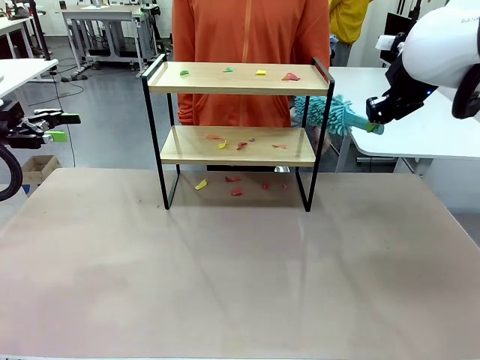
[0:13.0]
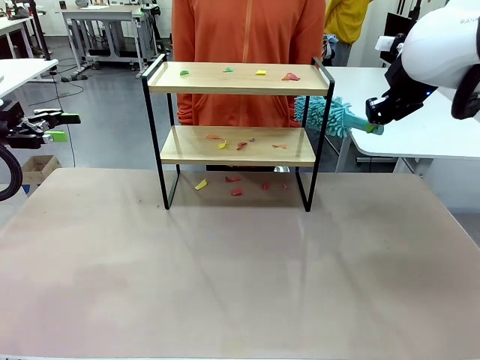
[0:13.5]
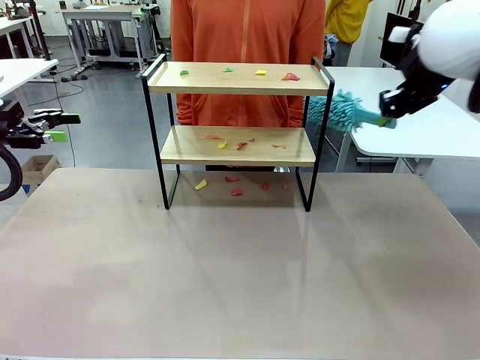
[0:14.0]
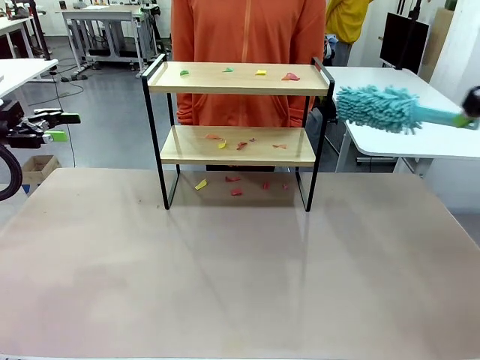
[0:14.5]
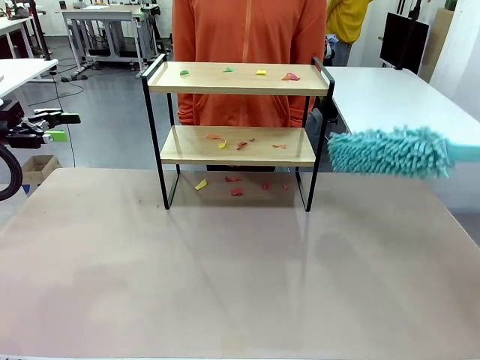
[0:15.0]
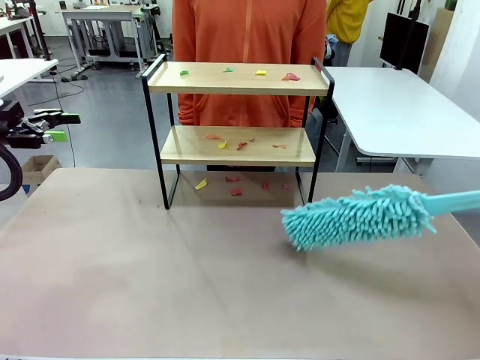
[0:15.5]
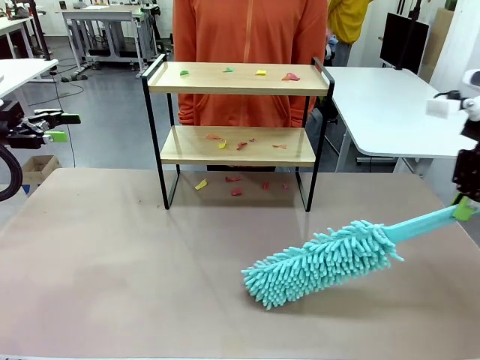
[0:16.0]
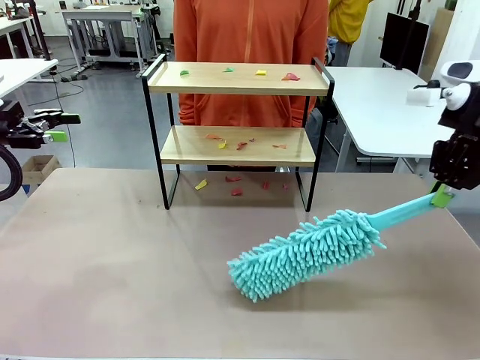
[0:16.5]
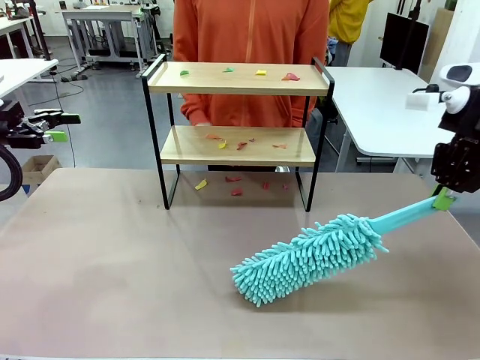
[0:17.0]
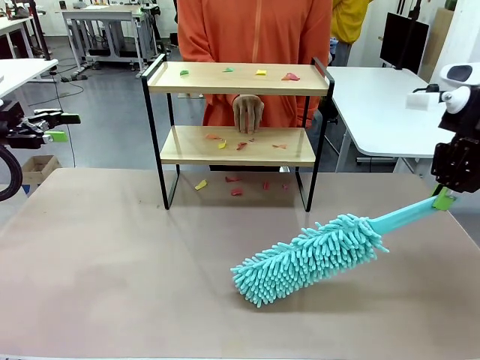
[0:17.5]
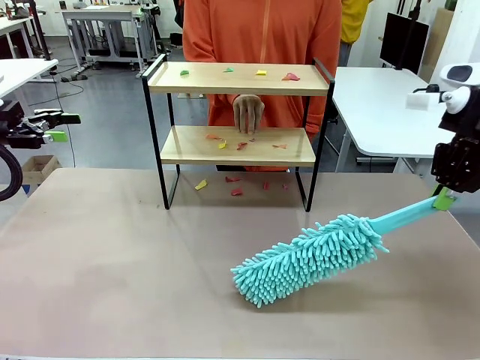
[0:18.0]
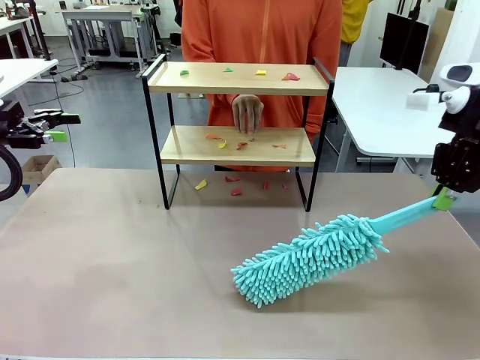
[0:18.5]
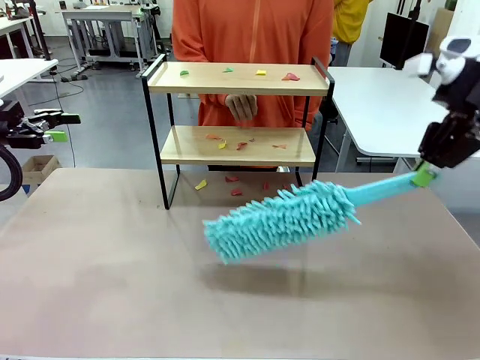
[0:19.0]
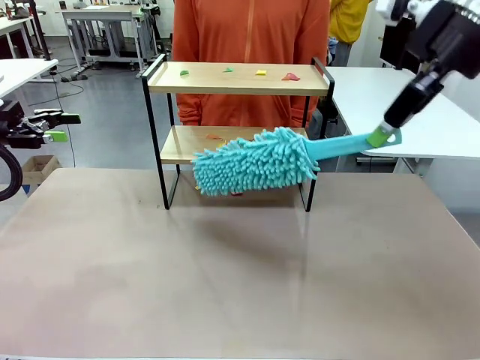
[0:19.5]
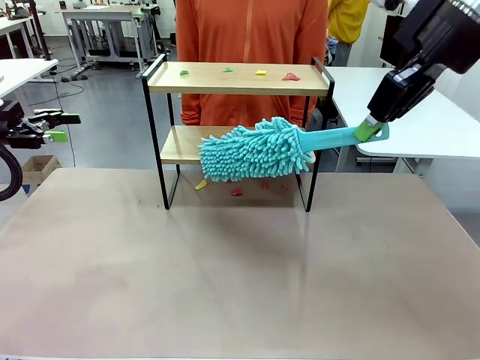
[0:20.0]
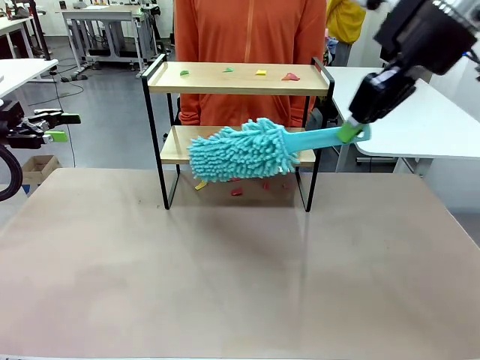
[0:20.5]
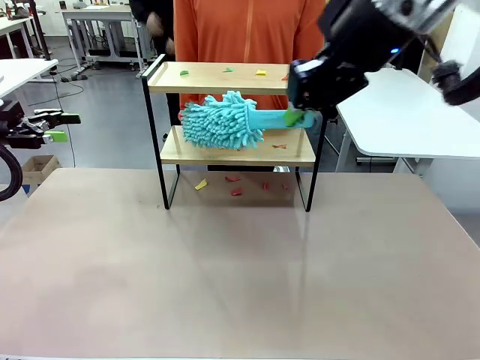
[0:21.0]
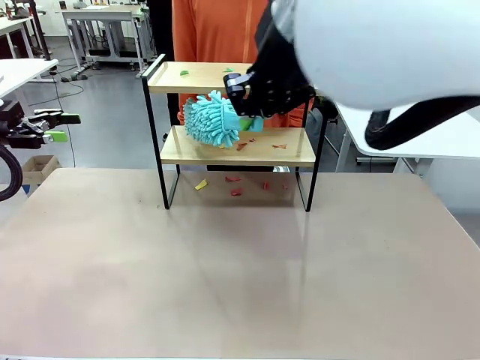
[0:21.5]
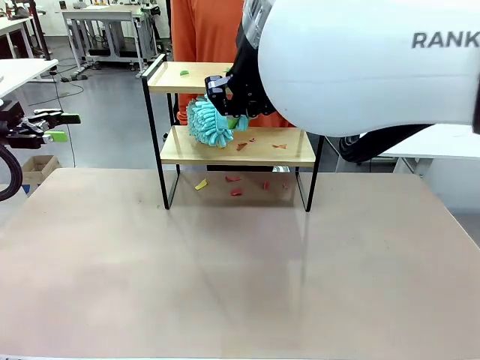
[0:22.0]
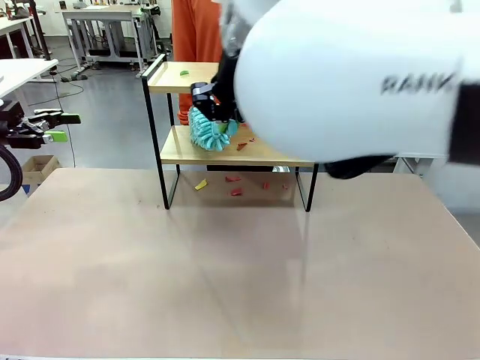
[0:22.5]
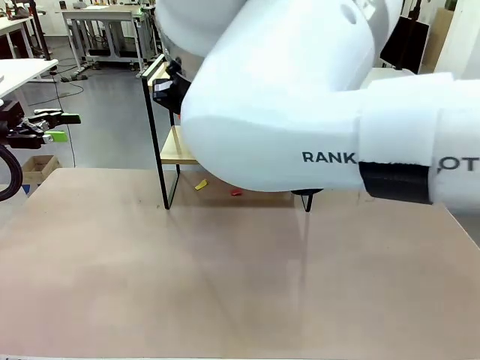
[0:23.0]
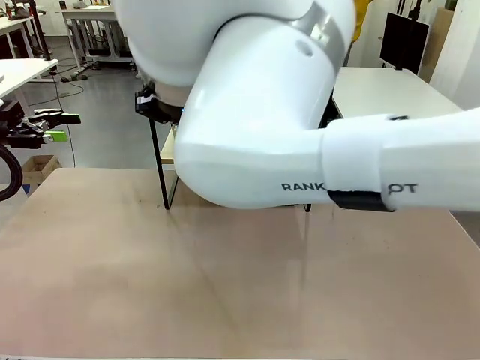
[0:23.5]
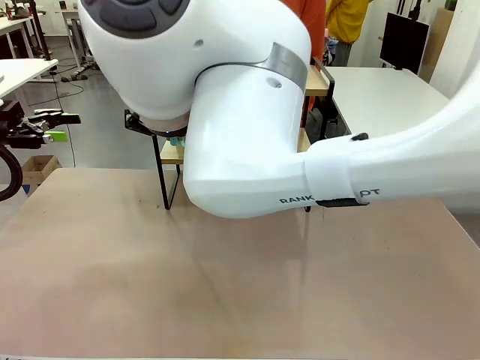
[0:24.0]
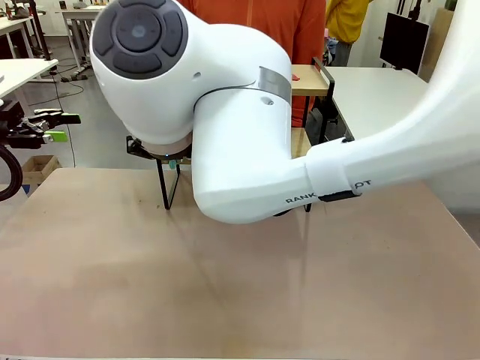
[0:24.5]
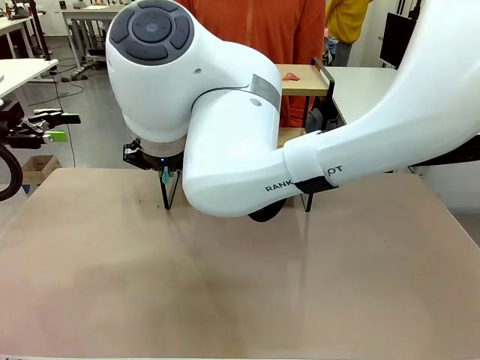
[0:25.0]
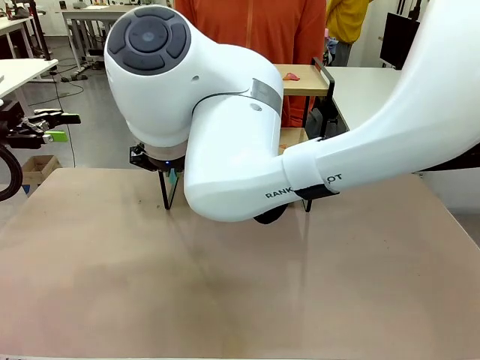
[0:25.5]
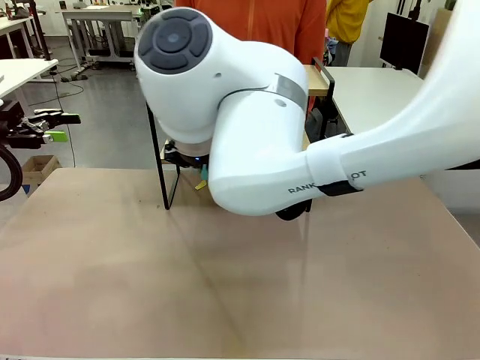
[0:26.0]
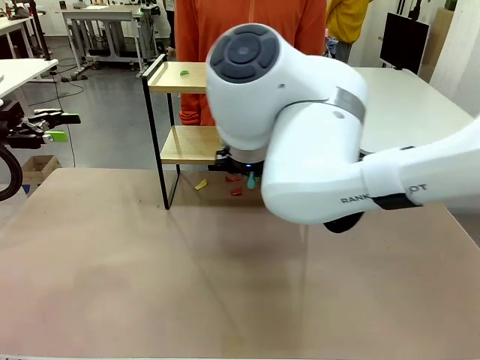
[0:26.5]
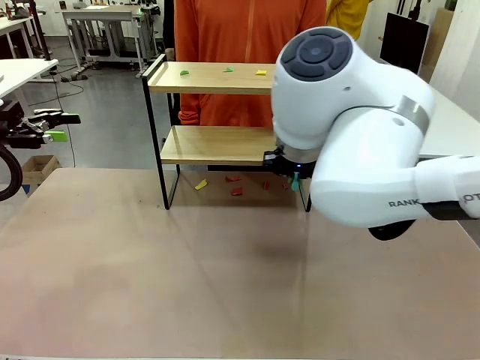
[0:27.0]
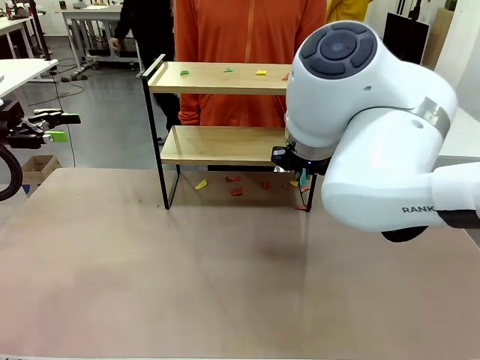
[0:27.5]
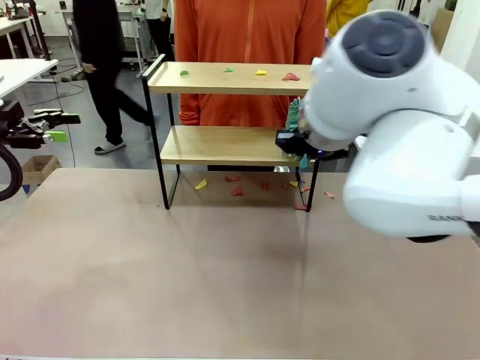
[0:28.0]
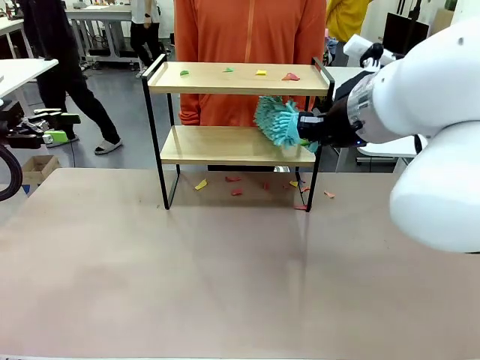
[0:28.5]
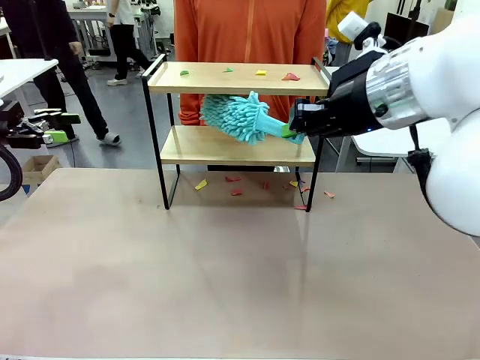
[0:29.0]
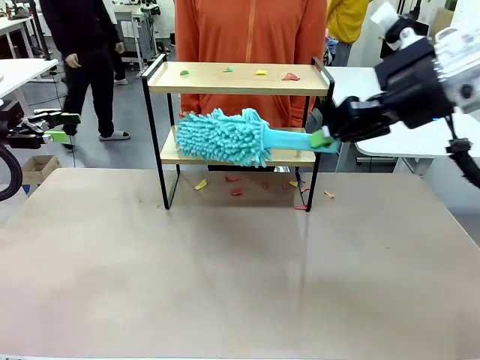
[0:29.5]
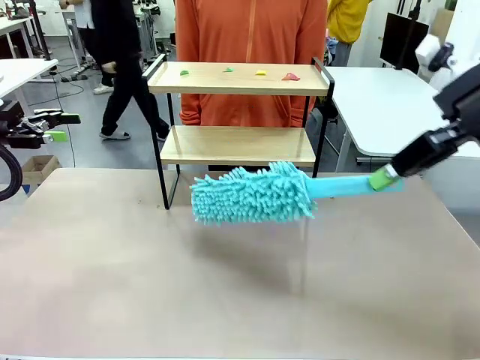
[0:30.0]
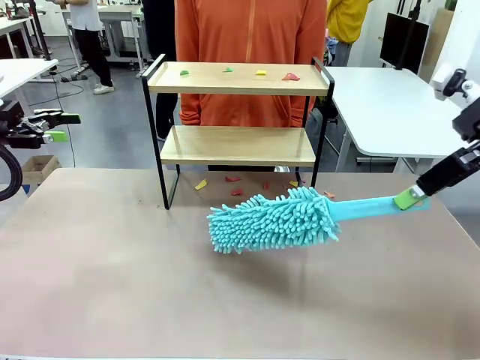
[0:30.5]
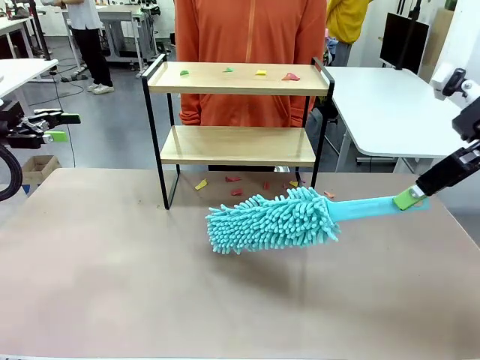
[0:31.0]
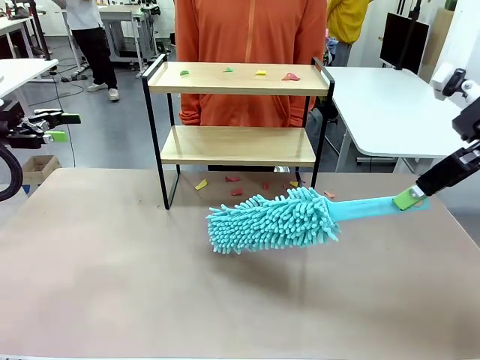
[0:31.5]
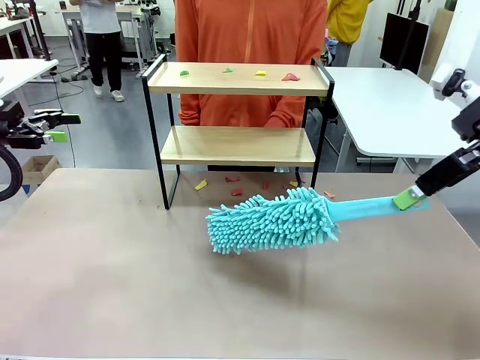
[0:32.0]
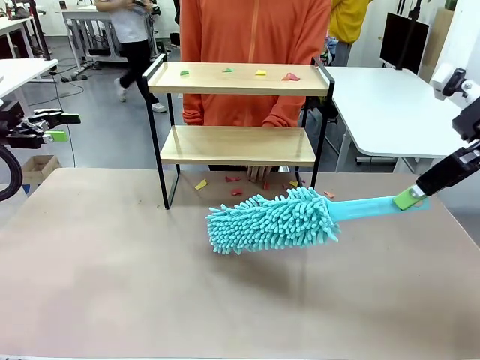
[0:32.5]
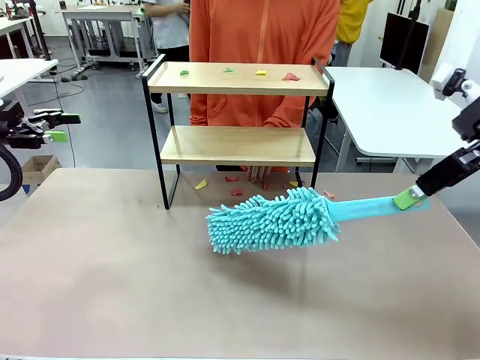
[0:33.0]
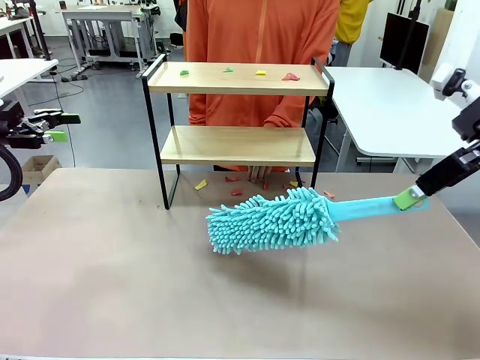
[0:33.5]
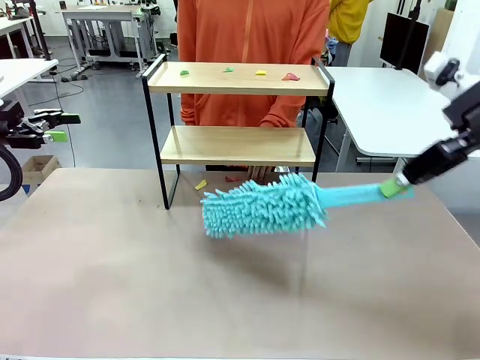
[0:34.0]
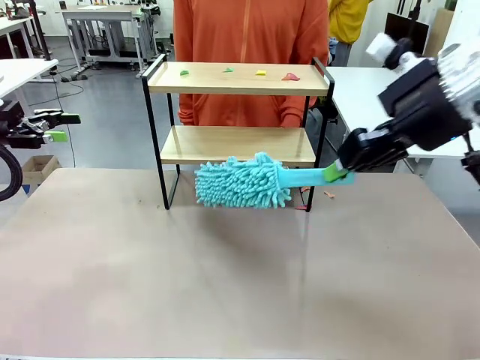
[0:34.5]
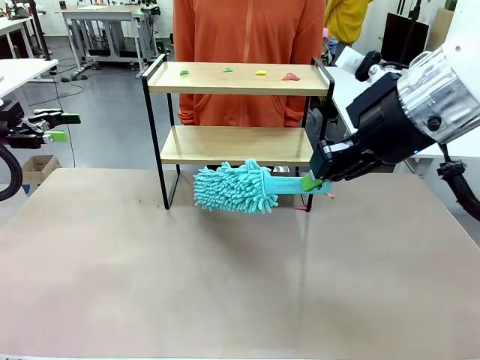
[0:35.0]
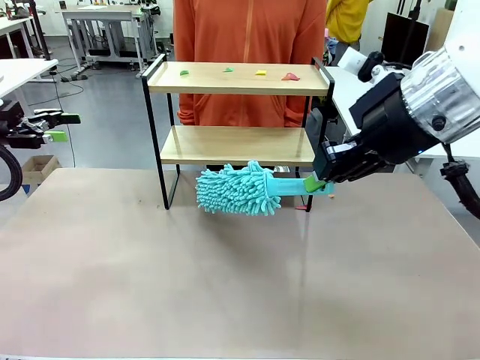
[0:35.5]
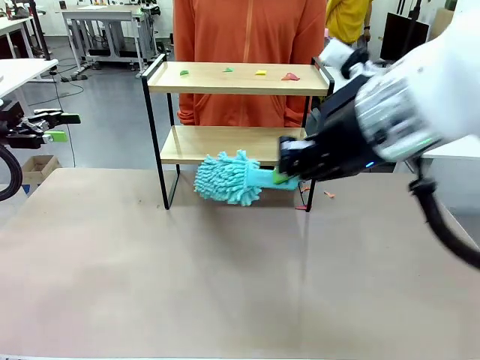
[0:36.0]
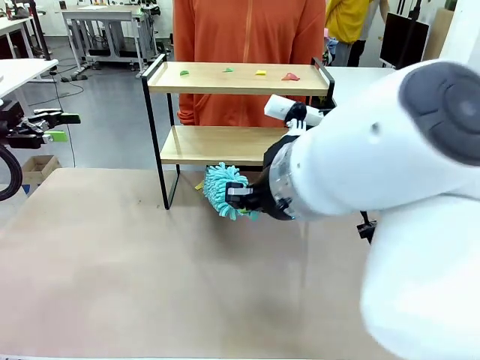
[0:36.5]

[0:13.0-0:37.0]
Task: Clean the shelf.
Robot: Clean the specific section of the Shelf indicated by the human with the Duster.
Person: Point a random section of the Shelf.
